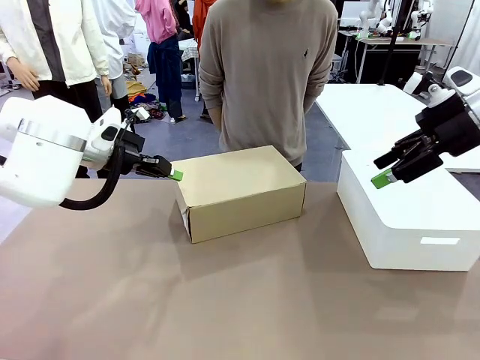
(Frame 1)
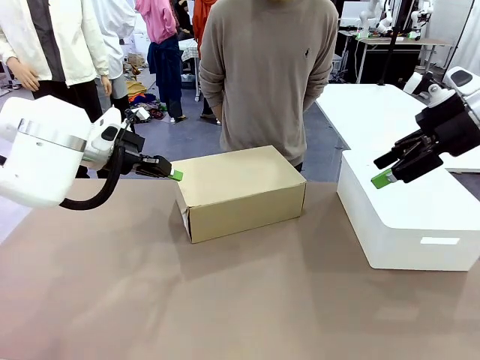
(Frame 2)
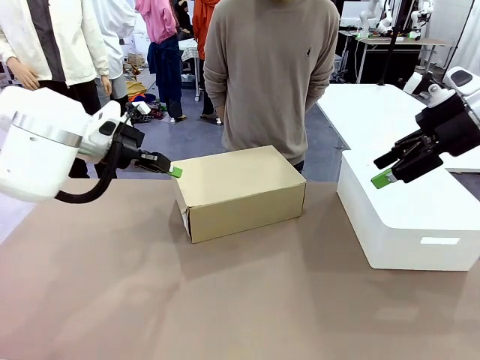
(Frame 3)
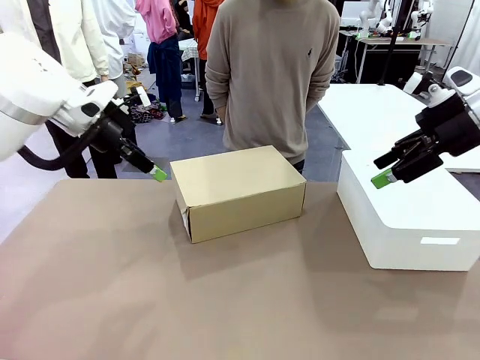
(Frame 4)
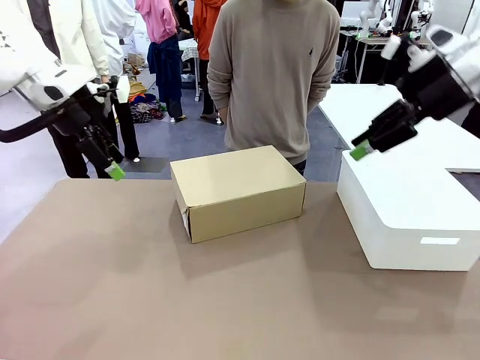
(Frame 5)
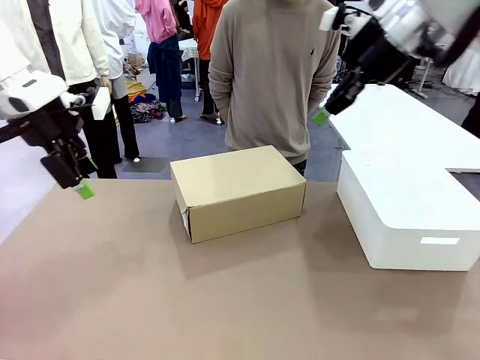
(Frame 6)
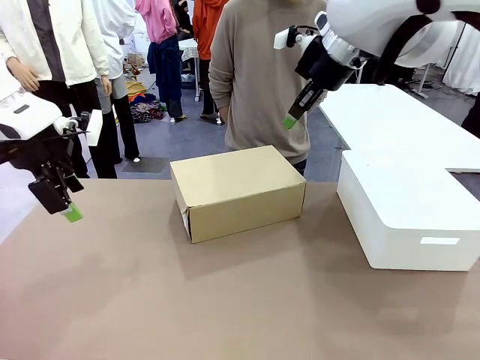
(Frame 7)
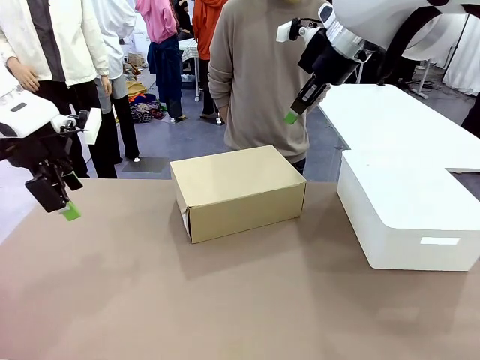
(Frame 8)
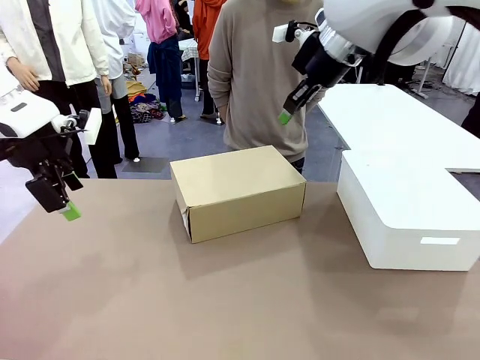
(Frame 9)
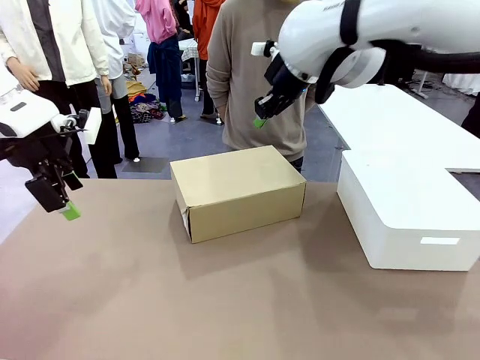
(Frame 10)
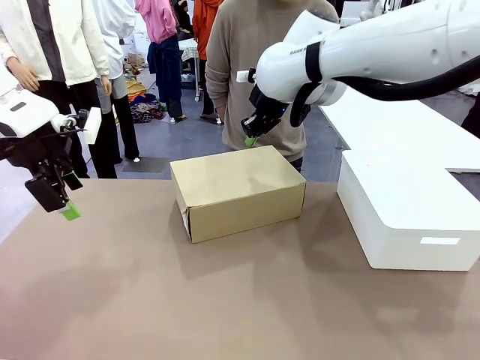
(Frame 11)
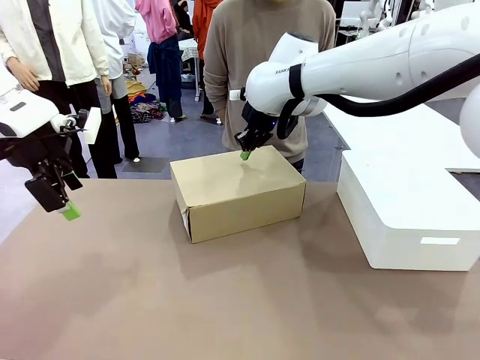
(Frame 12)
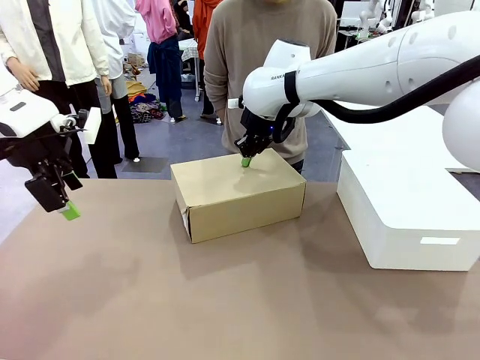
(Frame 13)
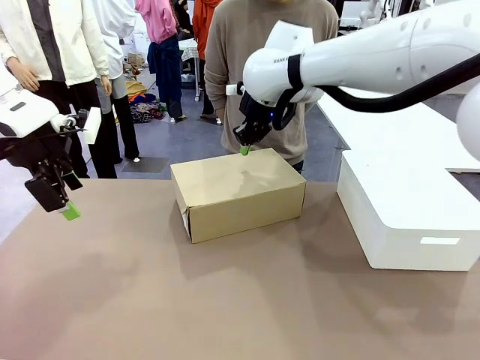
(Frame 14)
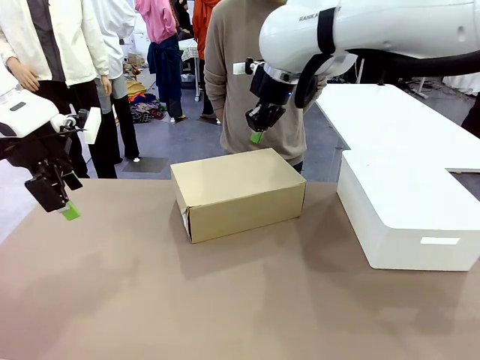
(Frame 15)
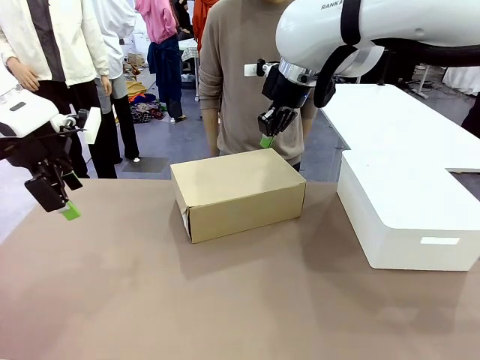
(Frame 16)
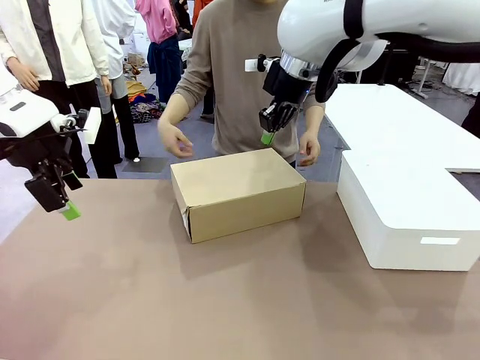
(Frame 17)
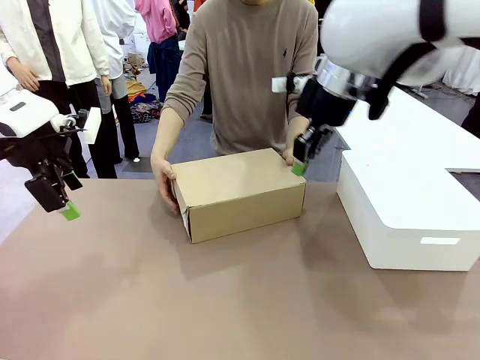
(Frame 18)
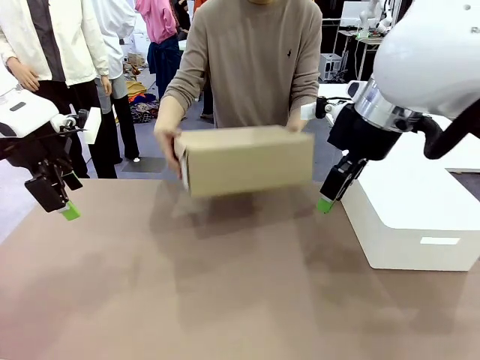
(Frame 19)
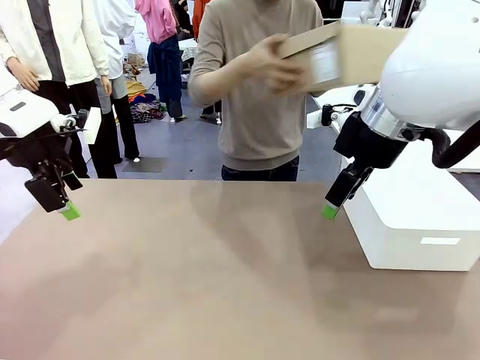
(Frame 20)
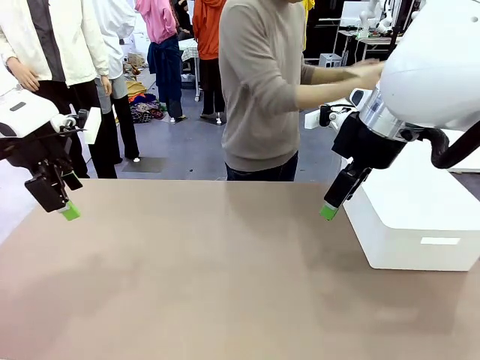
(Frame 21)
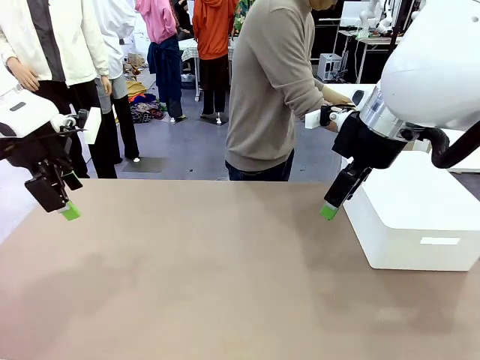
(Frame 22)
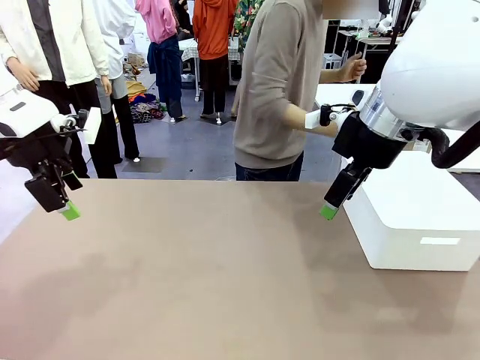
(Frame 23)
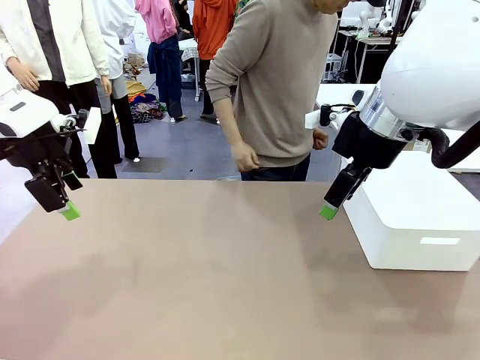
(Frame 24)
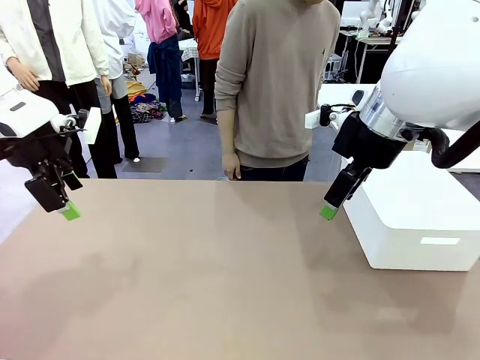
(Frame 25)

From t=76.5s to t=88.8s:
Task: Pack the shoes into the box.
Robot: Press down on the lid of the Shoes Box.

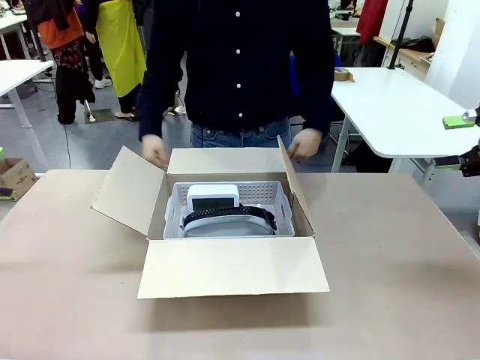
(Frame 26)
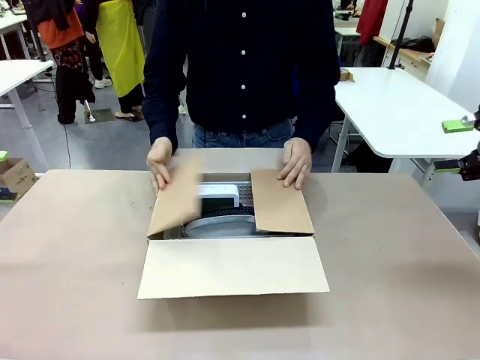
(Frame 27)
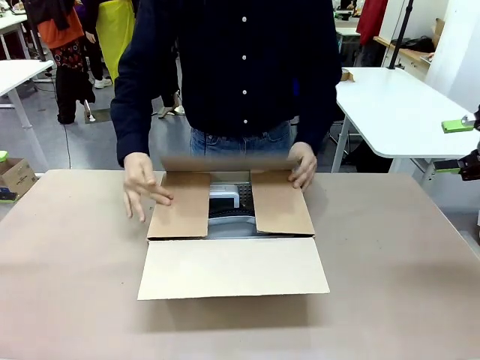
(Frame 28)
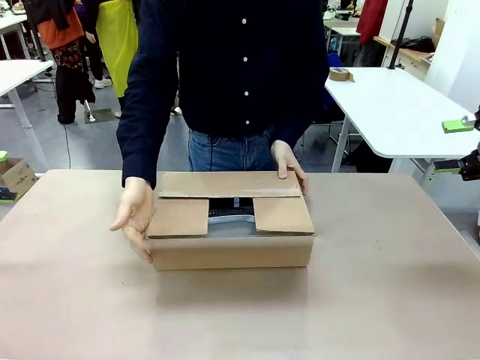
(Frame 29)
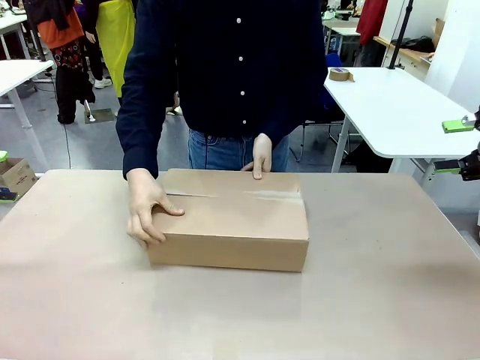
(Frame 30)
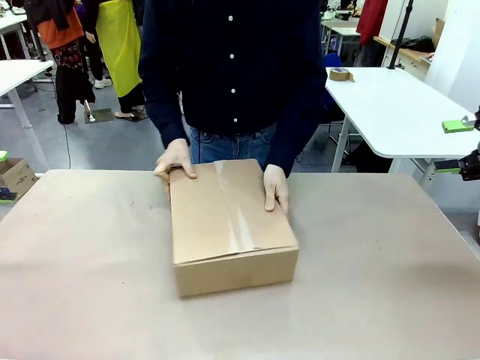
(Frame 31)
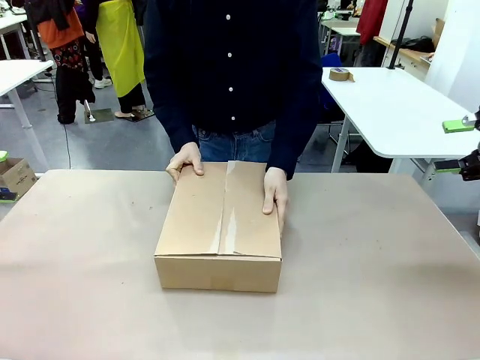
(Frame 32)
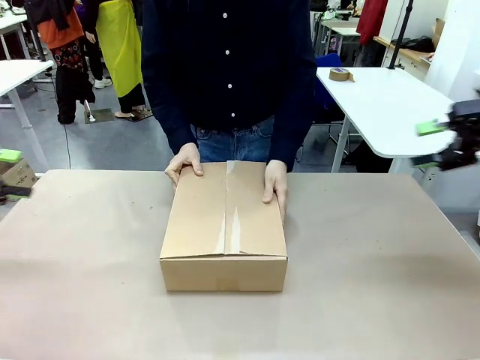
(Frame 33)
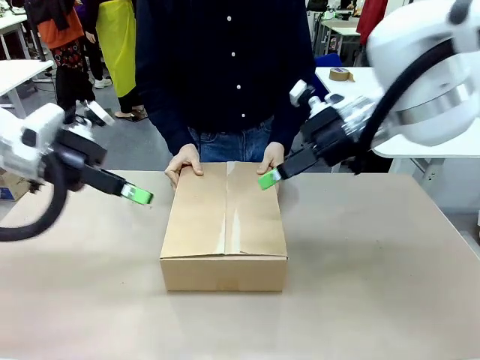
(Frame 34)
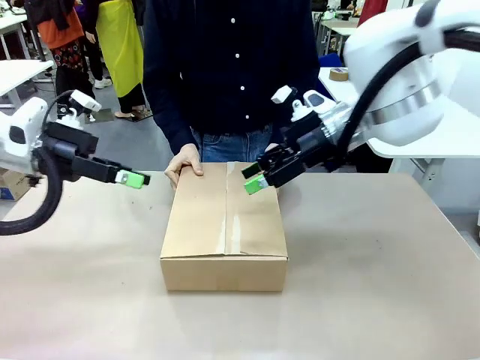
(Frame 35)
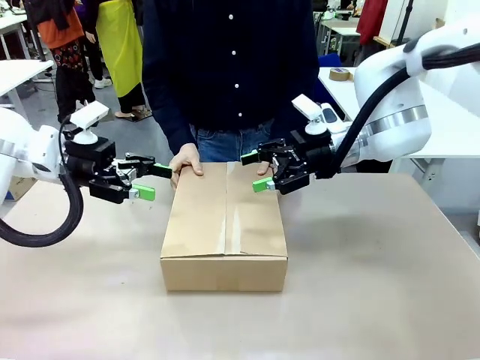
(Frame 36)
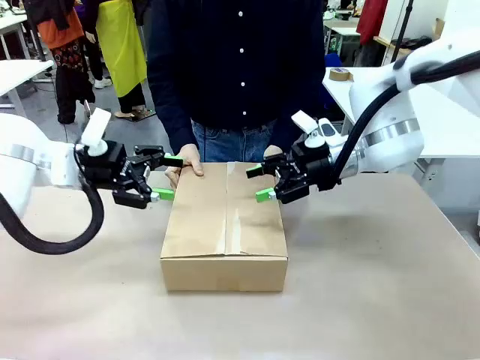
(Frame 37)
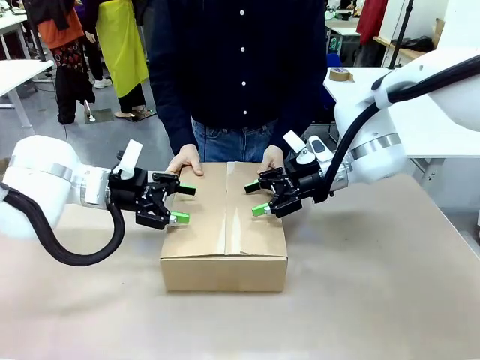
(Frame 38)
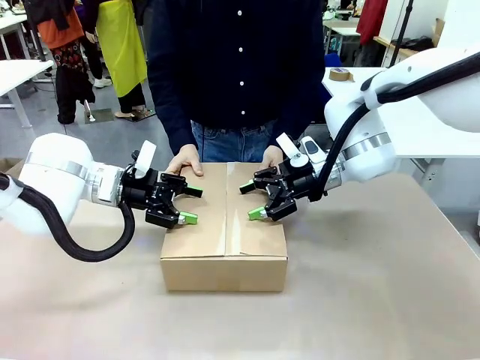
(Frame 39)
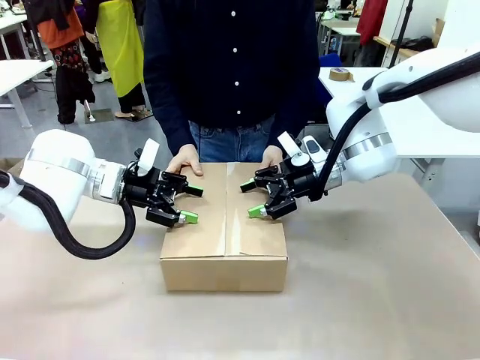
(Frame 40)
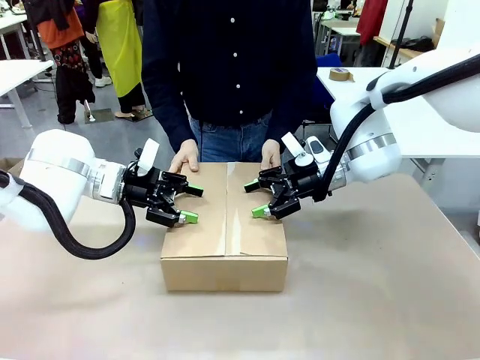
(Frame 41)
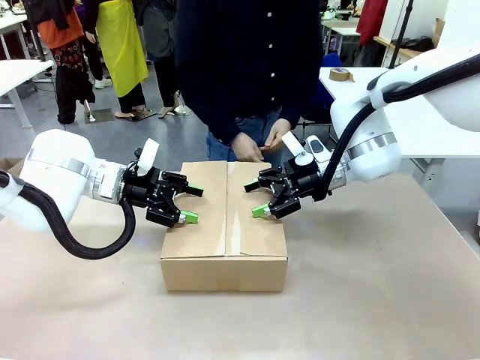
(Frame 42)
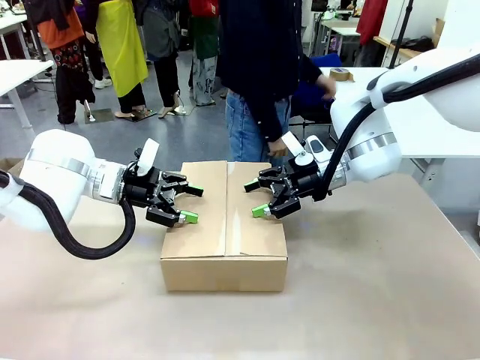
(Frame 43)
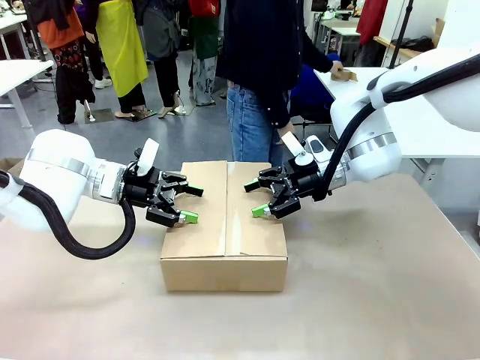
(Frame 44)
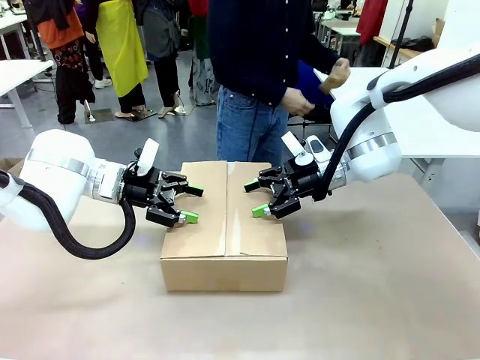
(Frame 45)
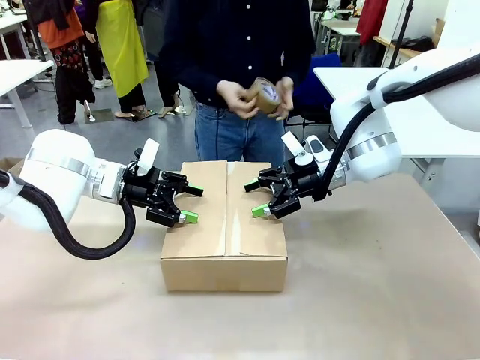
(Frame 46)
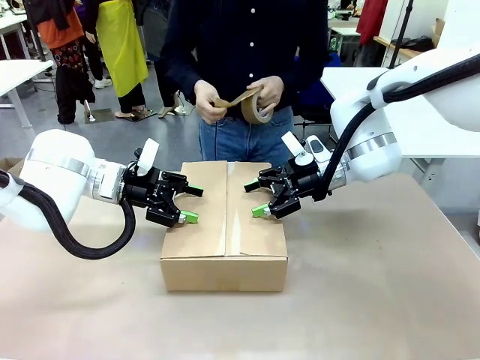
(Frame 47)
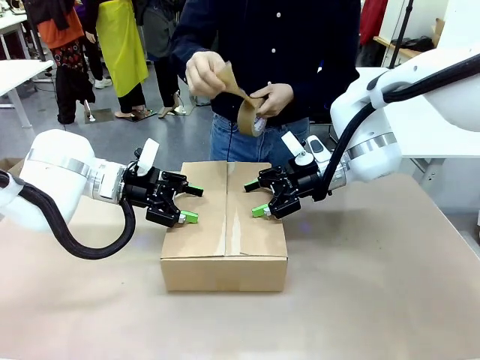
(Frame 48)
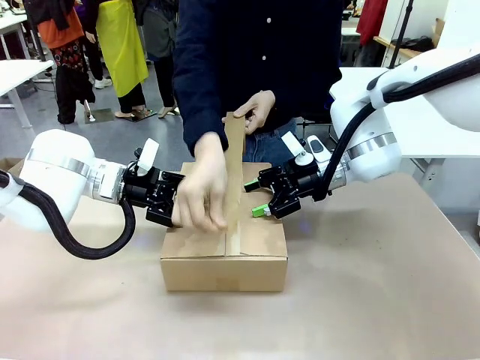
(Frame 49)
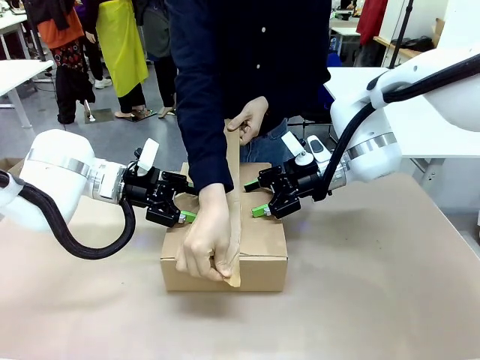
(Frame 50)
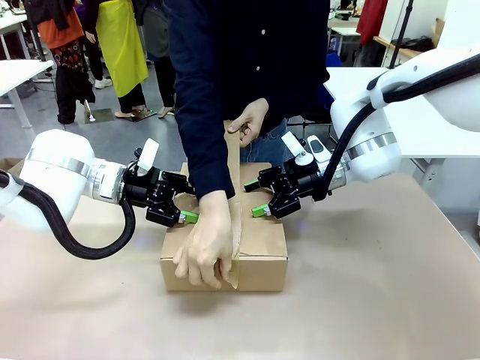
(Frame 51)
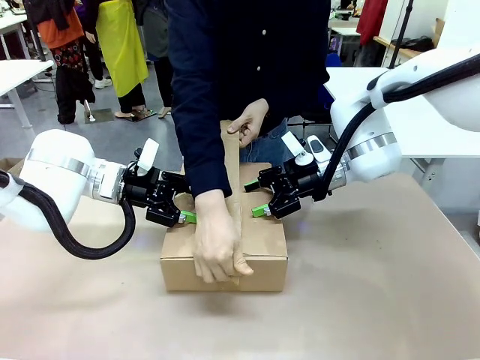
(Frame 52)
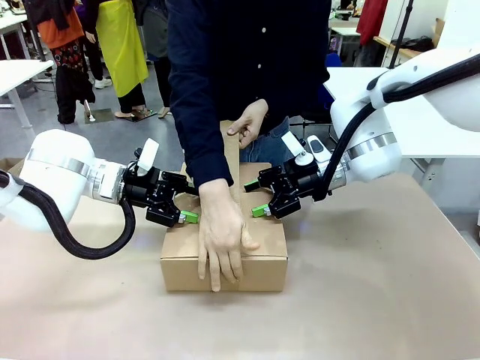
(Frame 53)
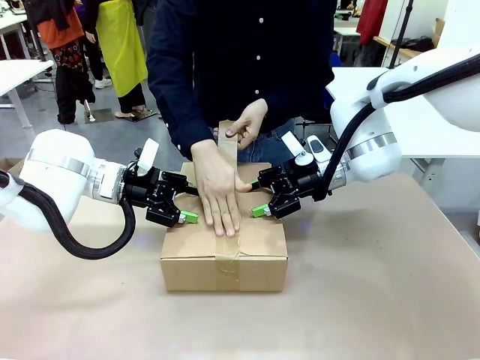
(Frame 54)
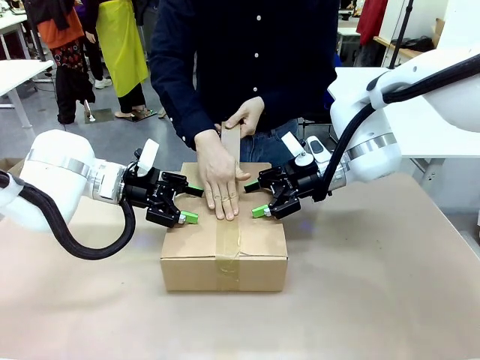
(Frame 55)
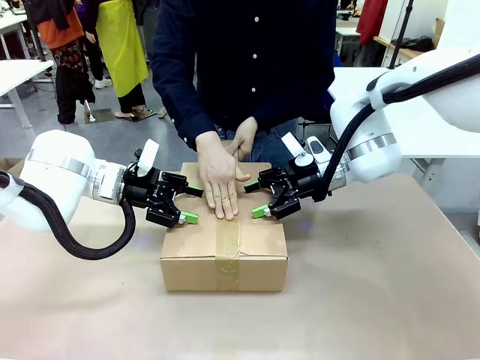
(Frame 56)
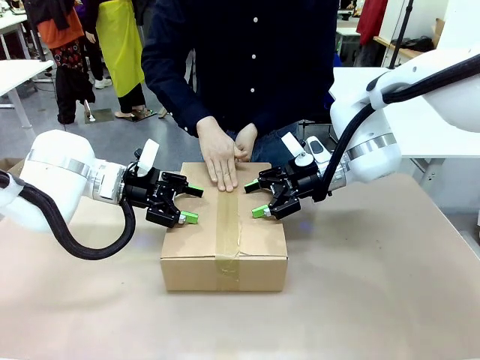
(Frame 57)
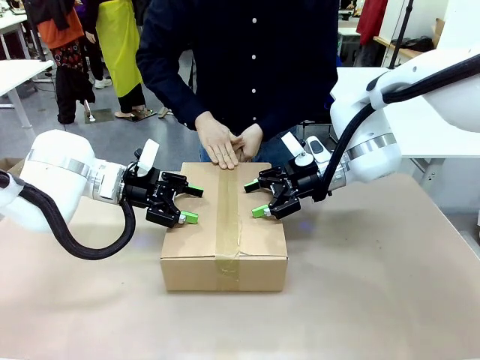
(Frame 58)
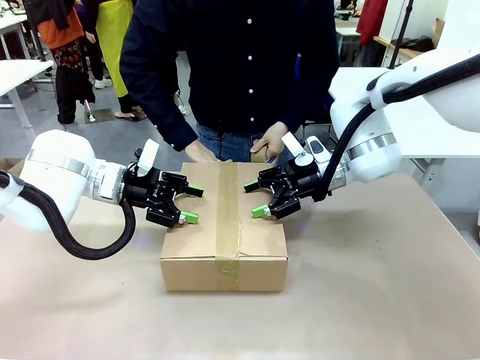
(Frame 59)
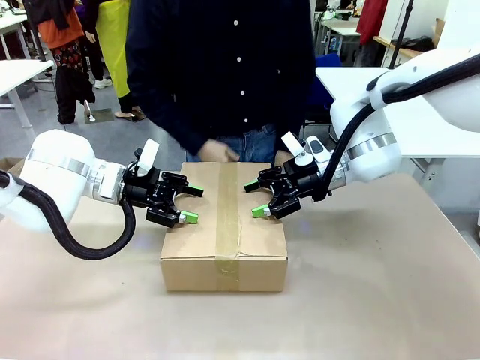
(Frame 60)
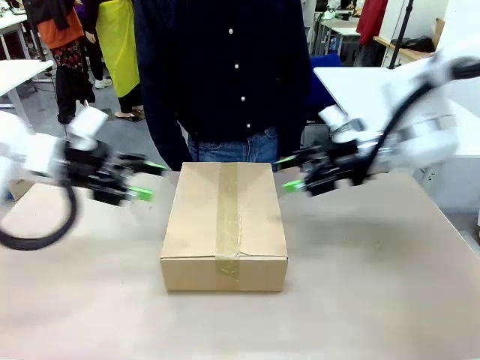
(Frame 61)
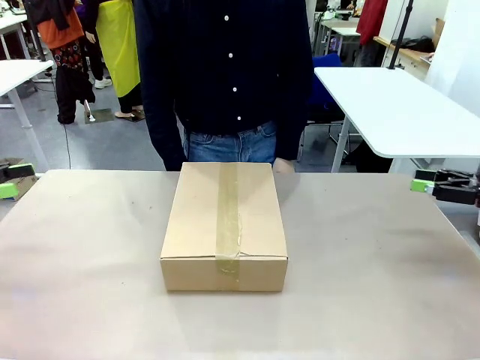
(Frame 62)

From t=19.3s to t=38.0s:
Task: Pack the gift set into the box.
Robot: Press and hold the closed box until the human finishes sealing it.
Person: The human closes the box and rotates the box by 90 degrees. The human picks up the paper tape from the human table and packs the box.
